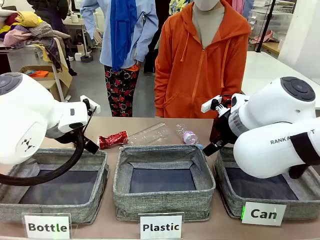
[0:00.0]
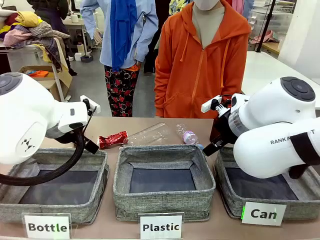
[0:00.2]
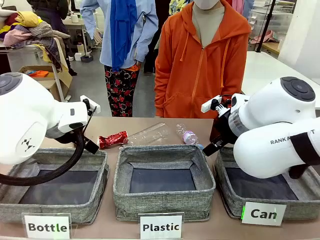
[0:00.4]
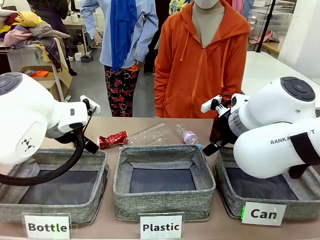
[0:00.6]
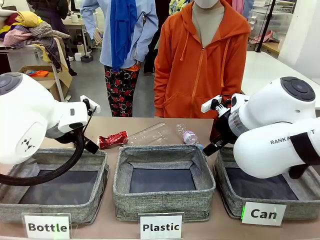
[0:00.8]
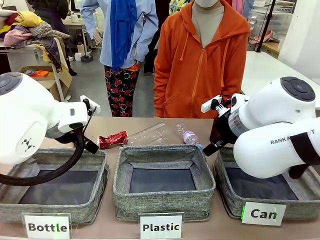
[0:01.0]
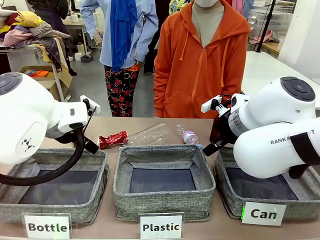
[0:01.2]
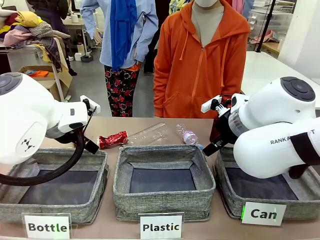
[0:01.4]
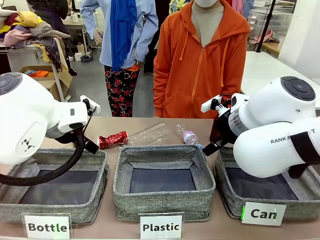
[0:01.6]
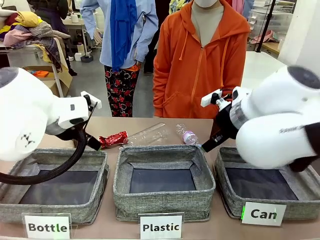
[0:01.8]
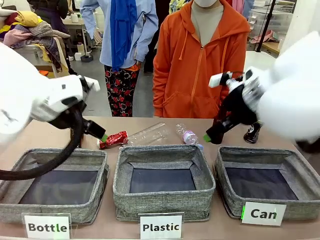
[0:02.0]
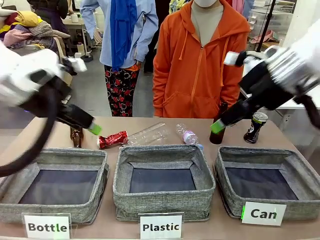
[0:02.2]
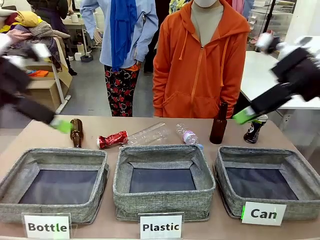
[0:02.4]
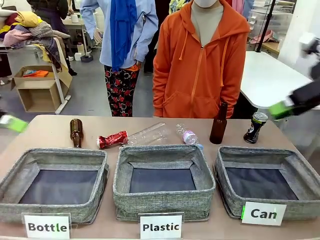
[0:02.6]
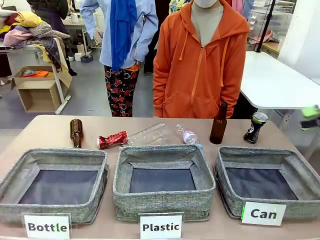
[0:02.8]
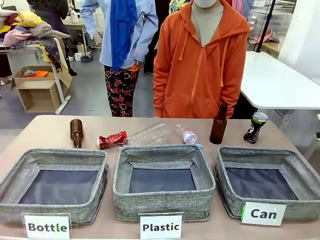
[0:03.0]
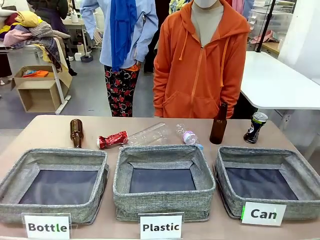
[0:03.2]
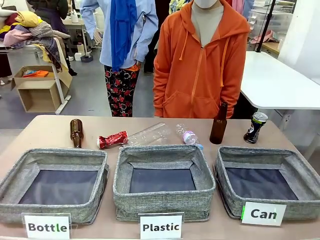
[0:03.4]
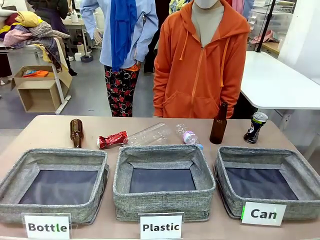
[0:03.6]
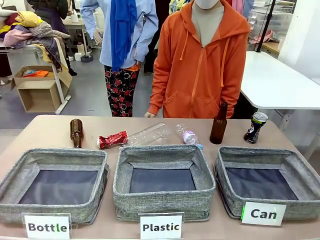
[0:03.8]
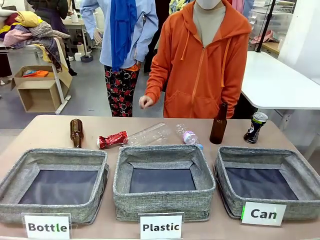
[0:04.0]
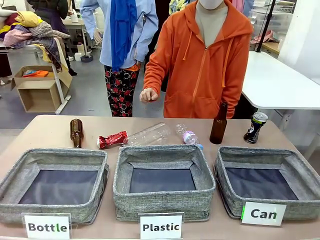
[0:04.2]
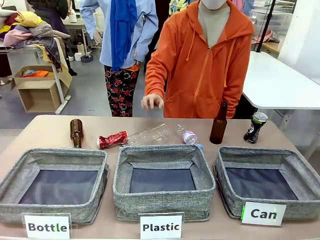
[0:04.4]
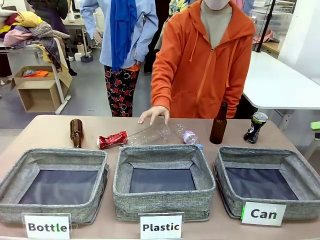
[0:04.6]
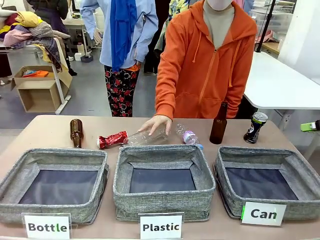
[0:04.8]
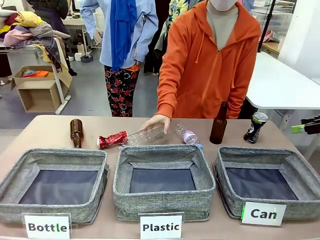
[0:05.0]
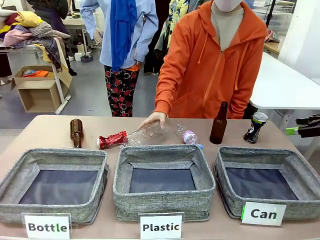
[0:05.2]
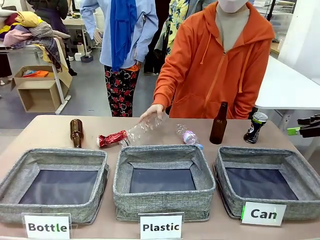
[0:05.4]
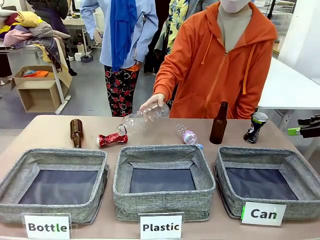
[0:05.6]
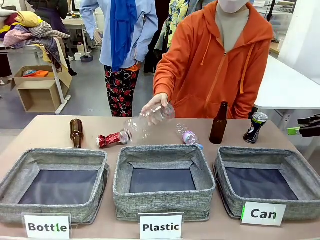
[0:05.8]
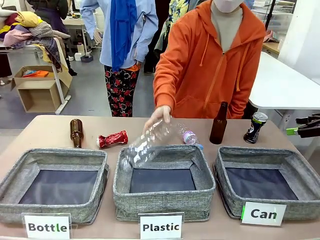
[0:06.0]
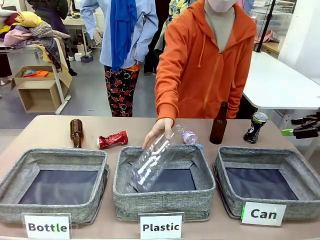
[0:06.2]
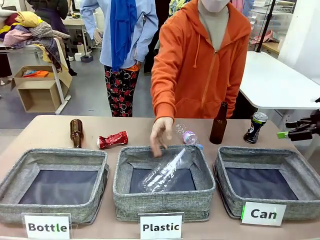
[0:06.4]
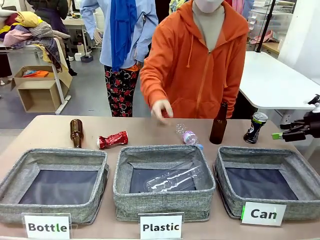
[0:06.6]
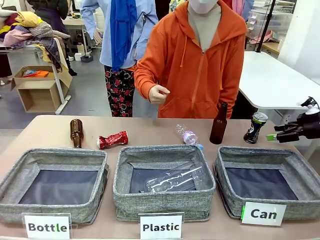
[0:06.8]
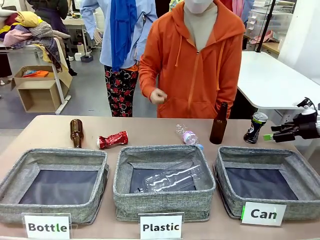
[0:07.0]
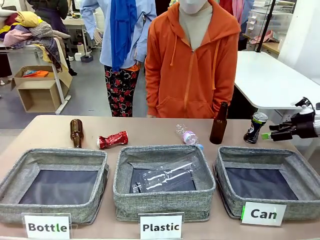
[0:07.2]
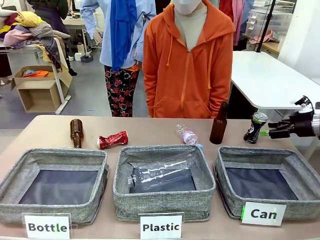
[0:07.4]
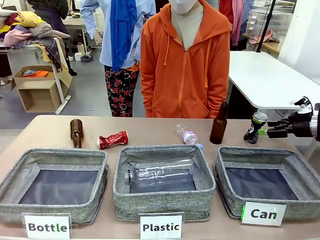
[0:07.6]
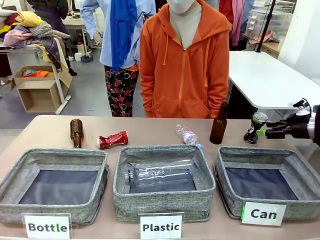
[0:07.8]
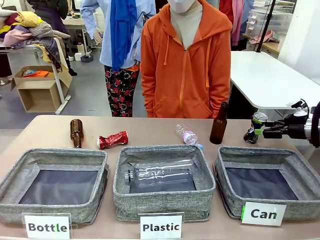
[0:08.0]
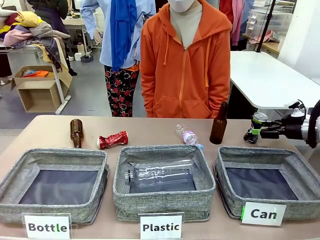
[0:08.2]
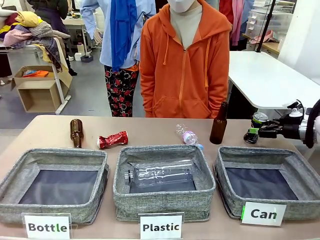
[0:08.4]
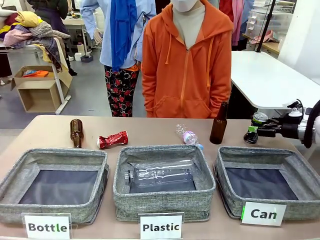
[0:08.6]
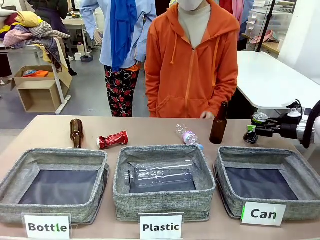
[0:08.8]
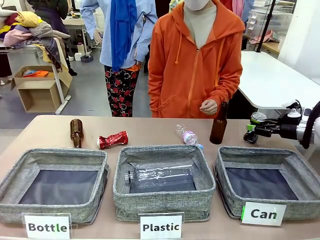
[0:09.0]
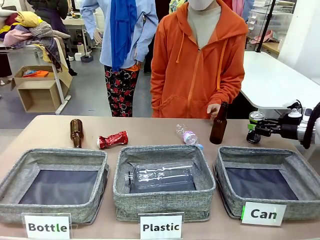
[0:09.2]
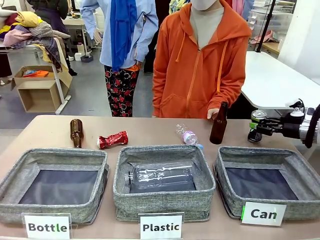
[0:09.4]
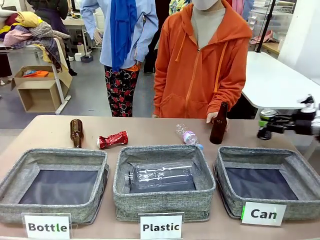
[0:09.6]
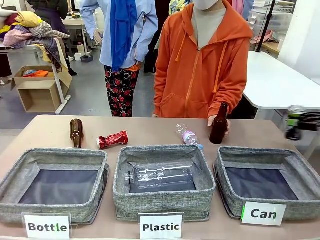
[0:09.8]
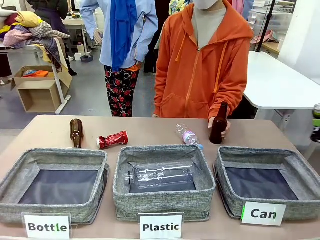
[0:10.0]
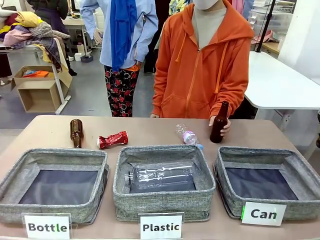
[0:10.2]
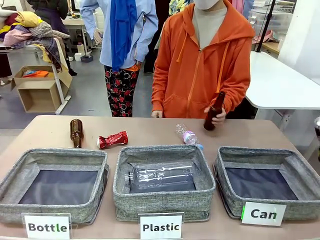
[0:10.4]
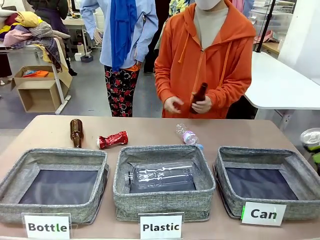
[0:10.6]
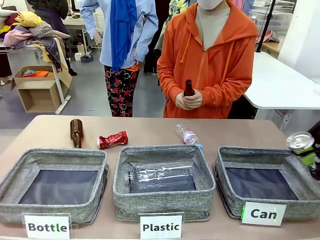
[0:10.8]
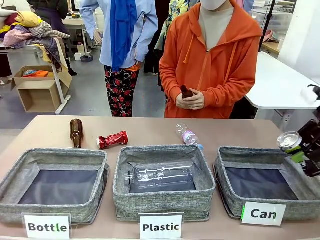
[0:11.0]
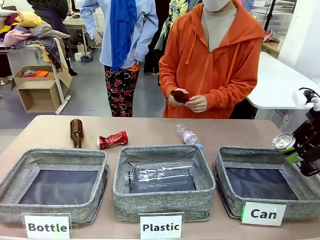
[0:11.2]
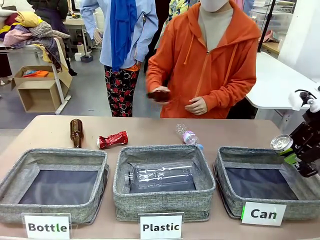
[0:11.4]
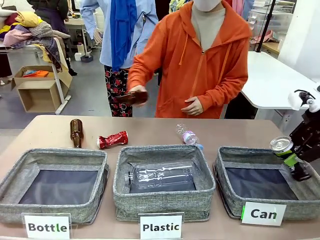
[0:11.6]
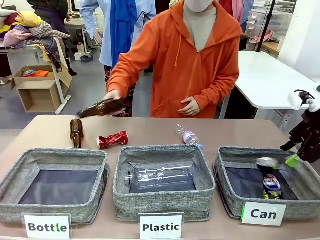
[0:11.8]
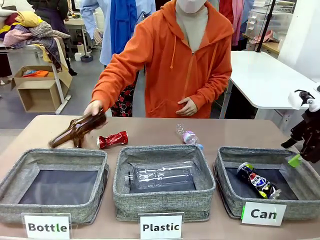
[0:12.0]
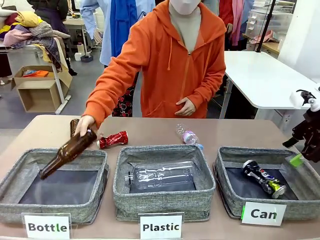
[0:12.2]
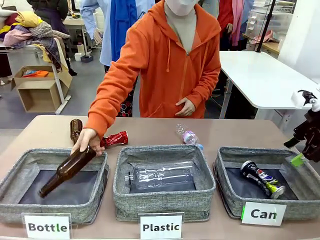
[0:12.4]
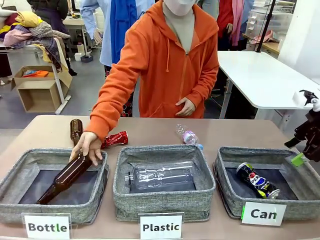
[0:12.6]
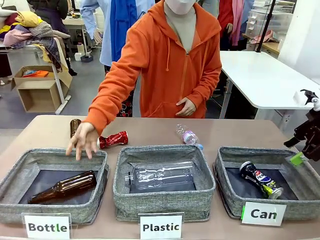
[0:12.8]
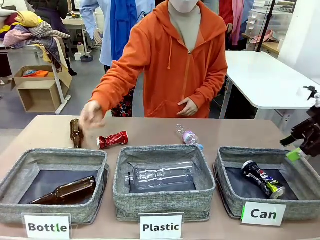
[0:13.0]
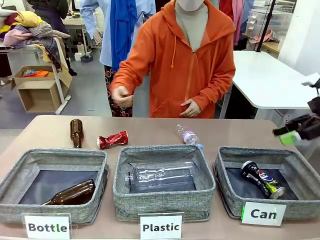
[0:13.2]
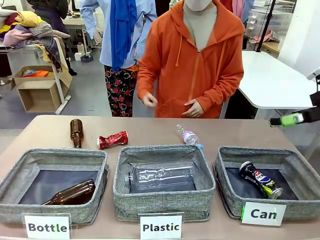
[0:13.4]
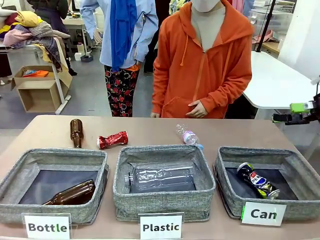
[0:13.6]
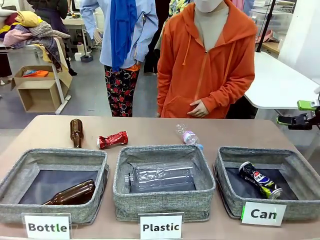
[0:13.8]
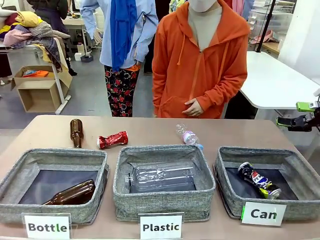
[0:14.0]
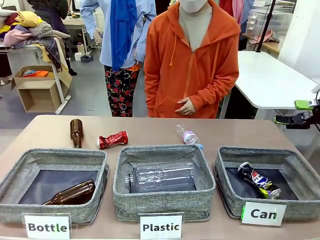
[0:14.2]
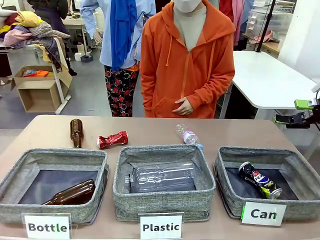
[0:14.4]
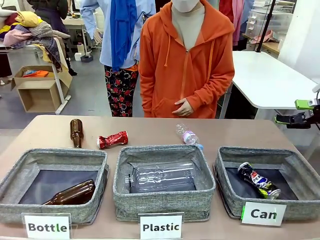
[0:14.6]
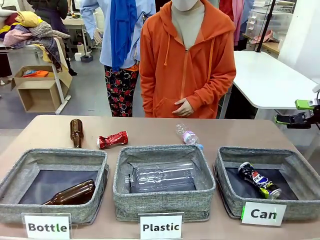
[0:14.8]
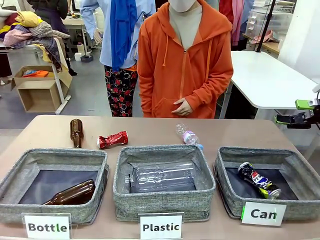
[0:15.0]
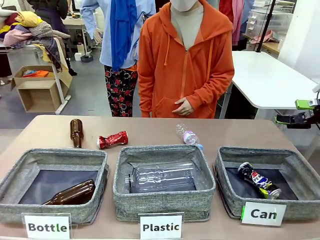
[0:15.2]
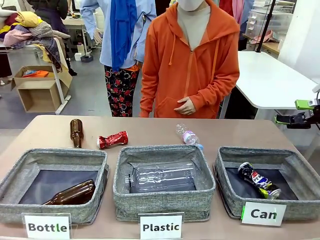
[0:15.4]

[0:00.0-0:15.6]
Task: Sort the can waste into the basket.
Robot: Pick up the can waste from the table and place it in the right Fabric basket.
